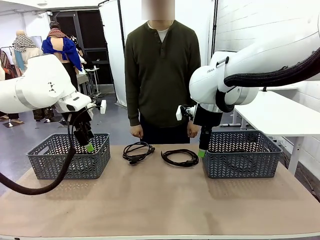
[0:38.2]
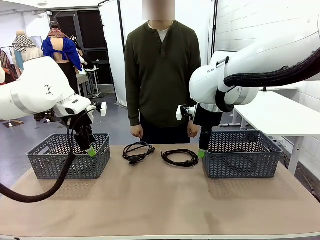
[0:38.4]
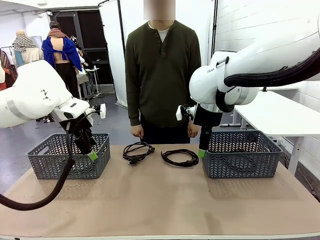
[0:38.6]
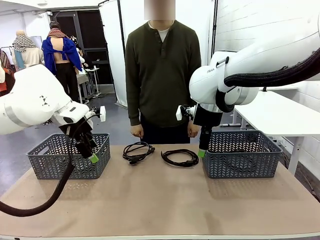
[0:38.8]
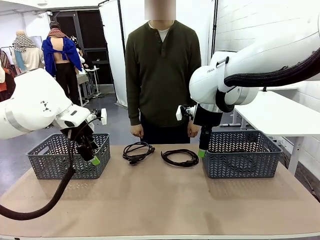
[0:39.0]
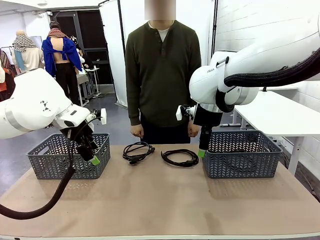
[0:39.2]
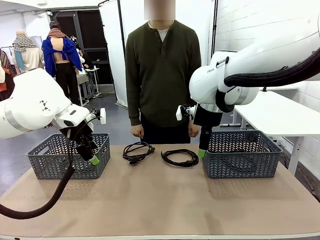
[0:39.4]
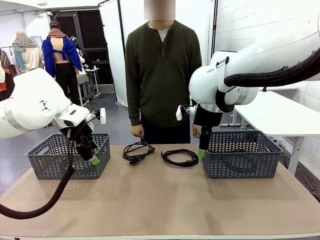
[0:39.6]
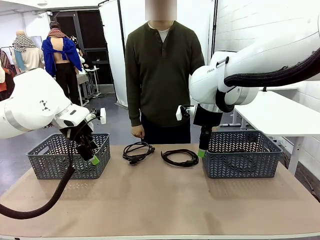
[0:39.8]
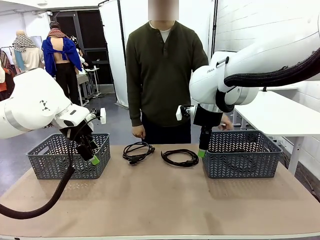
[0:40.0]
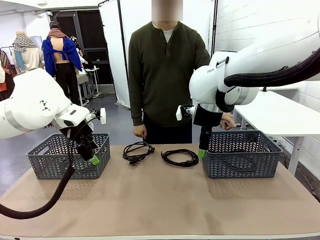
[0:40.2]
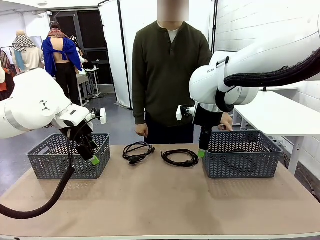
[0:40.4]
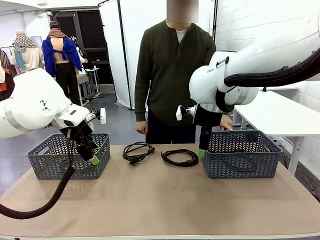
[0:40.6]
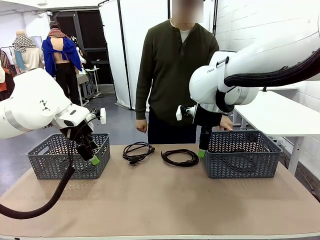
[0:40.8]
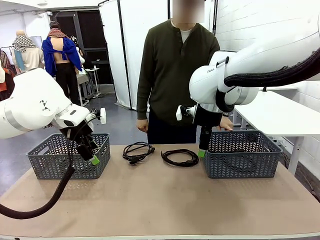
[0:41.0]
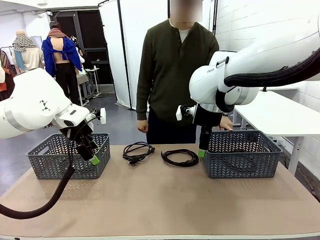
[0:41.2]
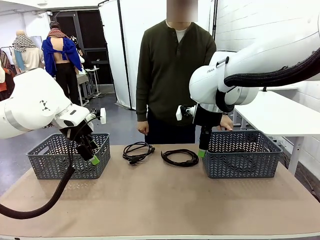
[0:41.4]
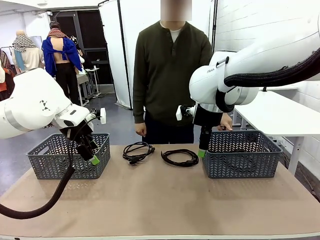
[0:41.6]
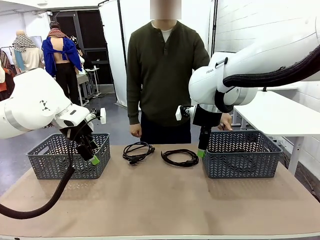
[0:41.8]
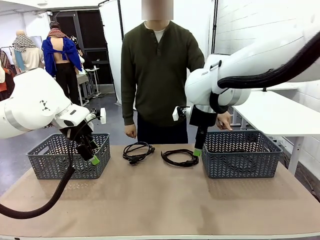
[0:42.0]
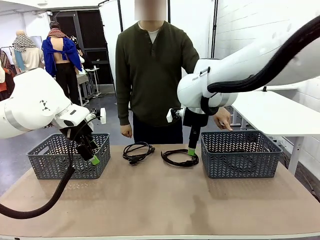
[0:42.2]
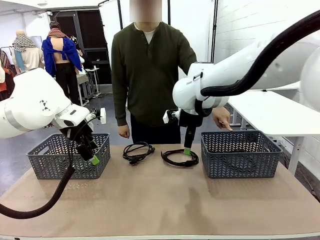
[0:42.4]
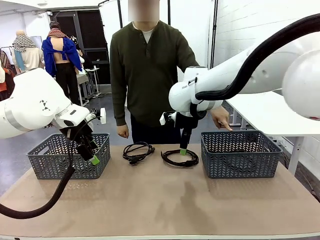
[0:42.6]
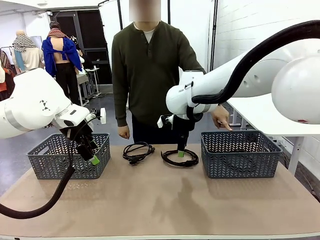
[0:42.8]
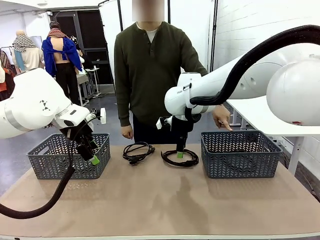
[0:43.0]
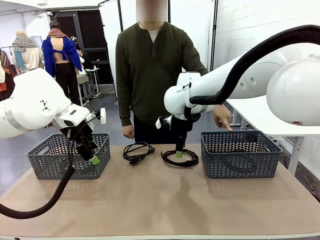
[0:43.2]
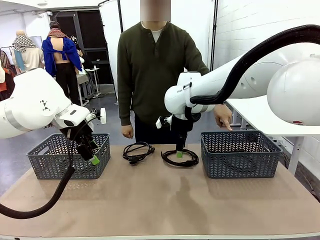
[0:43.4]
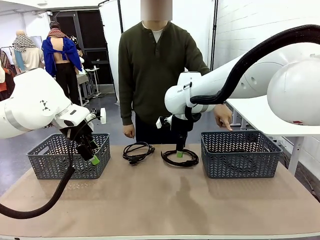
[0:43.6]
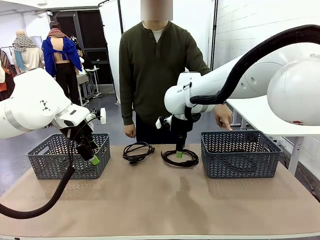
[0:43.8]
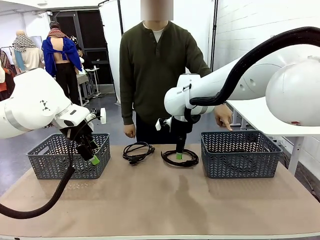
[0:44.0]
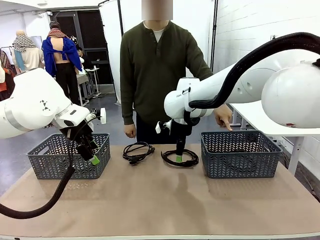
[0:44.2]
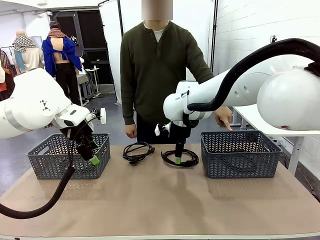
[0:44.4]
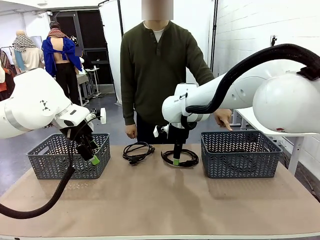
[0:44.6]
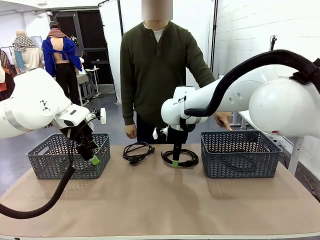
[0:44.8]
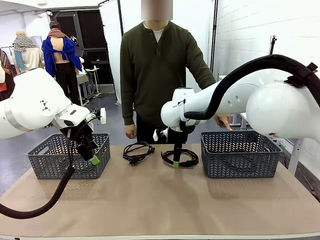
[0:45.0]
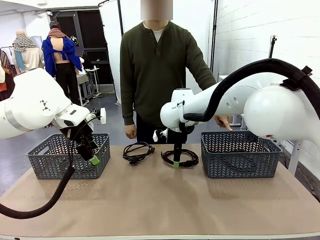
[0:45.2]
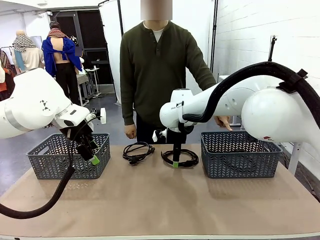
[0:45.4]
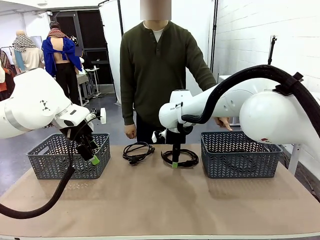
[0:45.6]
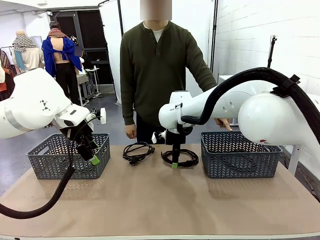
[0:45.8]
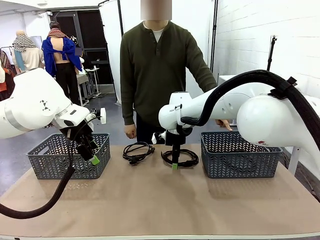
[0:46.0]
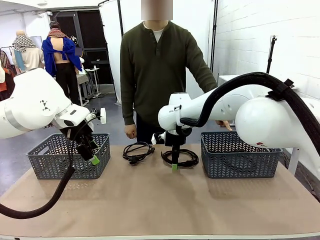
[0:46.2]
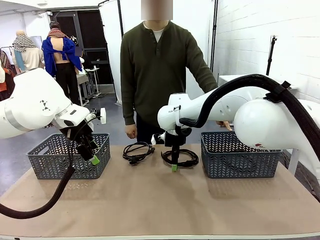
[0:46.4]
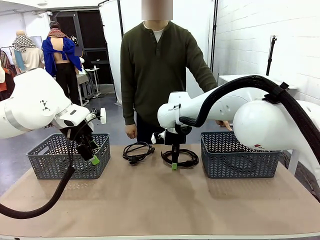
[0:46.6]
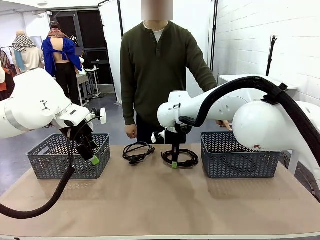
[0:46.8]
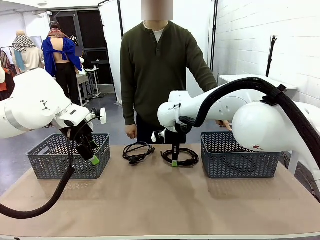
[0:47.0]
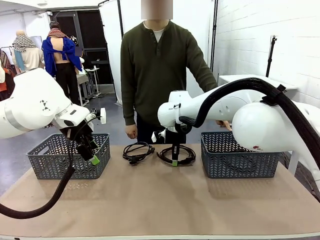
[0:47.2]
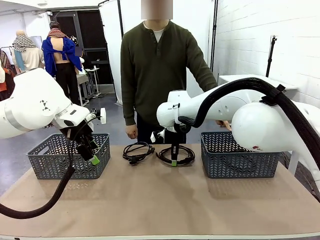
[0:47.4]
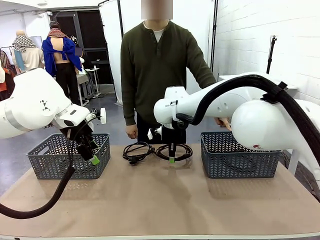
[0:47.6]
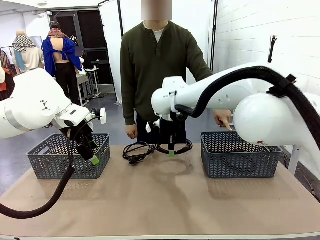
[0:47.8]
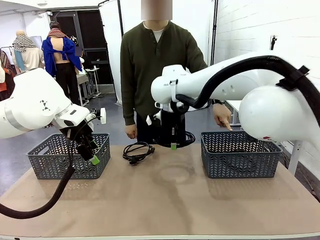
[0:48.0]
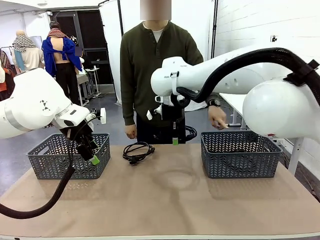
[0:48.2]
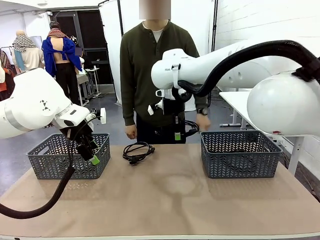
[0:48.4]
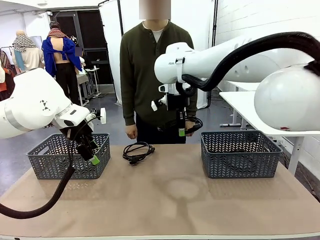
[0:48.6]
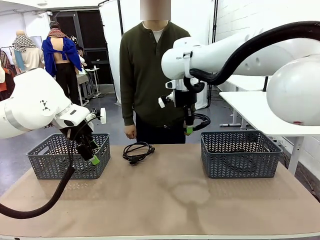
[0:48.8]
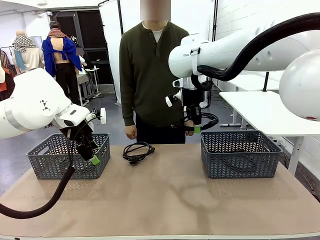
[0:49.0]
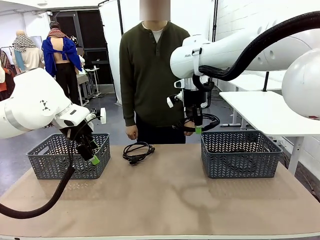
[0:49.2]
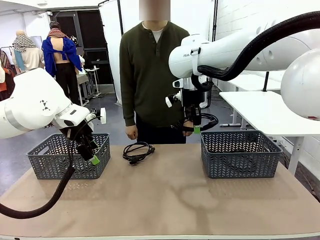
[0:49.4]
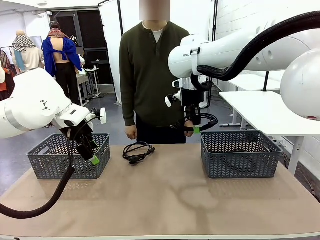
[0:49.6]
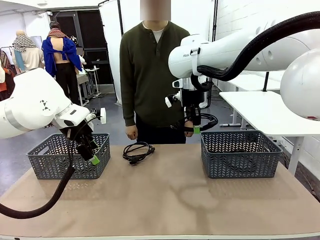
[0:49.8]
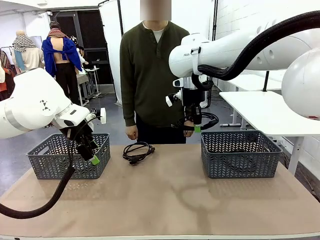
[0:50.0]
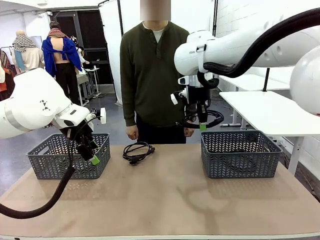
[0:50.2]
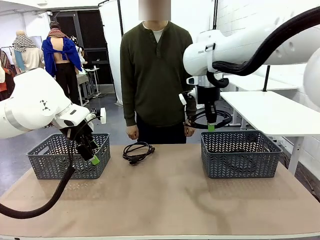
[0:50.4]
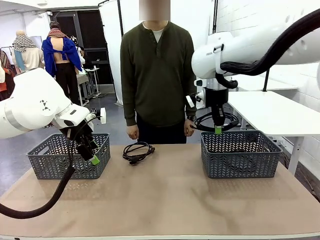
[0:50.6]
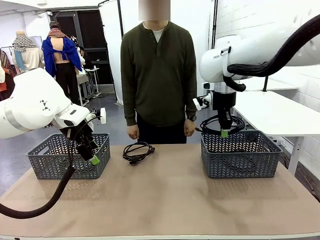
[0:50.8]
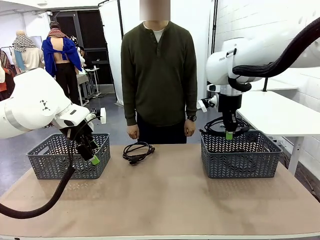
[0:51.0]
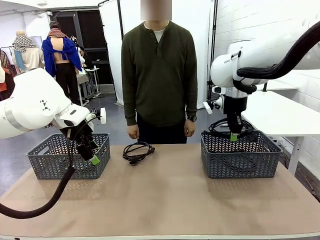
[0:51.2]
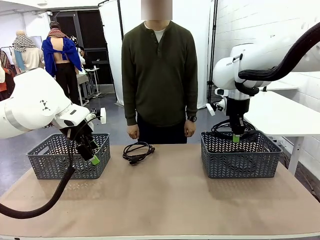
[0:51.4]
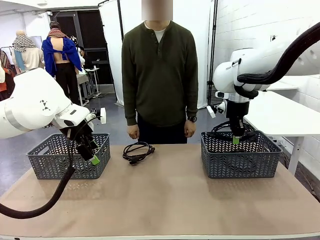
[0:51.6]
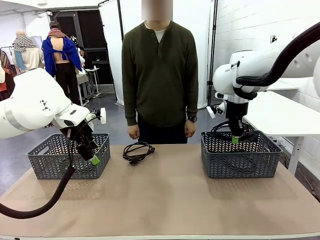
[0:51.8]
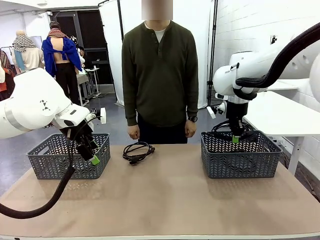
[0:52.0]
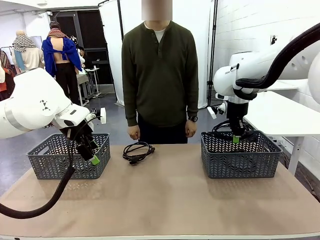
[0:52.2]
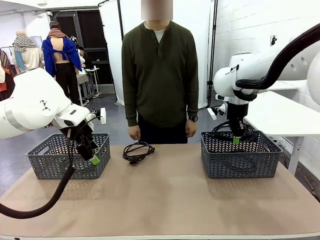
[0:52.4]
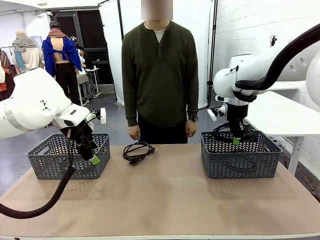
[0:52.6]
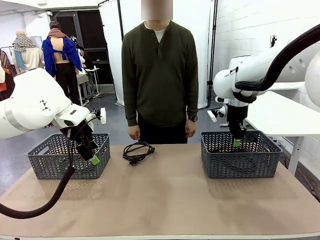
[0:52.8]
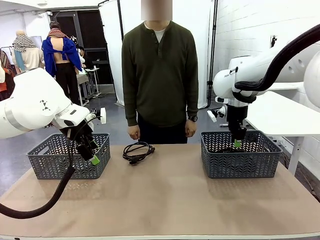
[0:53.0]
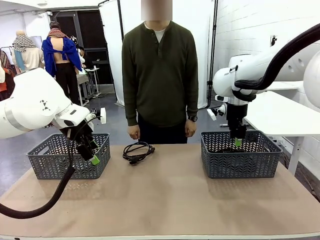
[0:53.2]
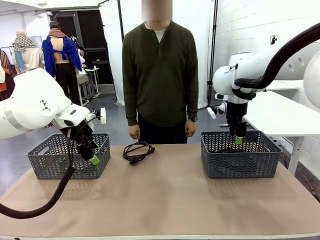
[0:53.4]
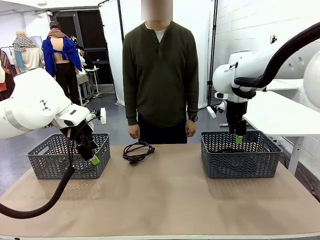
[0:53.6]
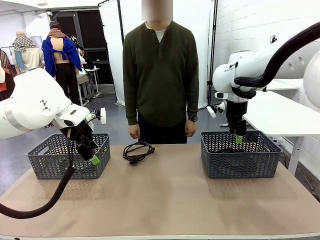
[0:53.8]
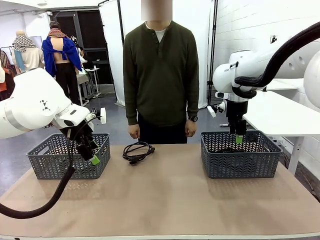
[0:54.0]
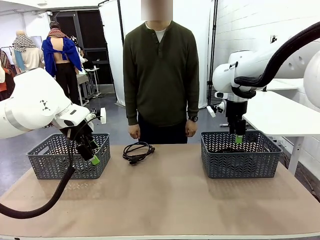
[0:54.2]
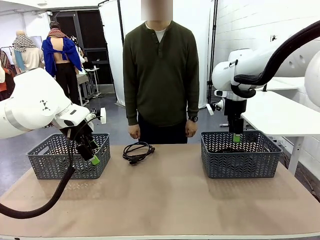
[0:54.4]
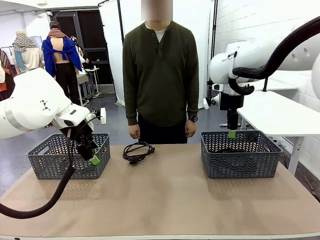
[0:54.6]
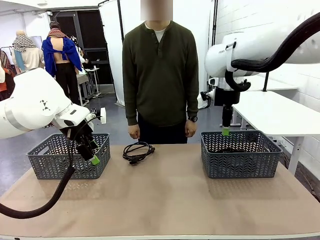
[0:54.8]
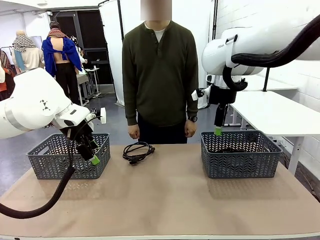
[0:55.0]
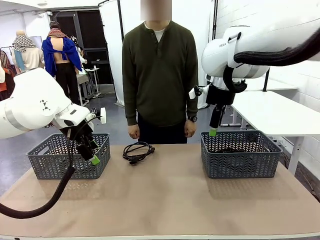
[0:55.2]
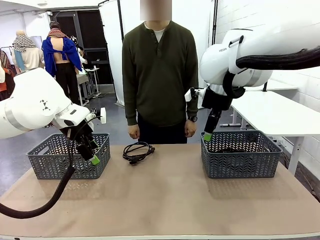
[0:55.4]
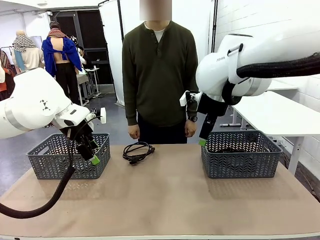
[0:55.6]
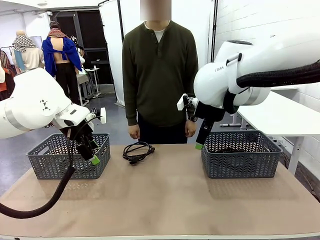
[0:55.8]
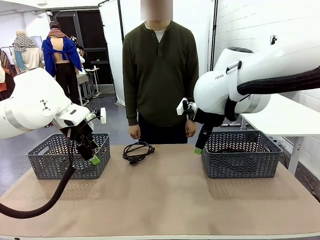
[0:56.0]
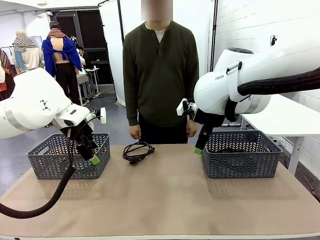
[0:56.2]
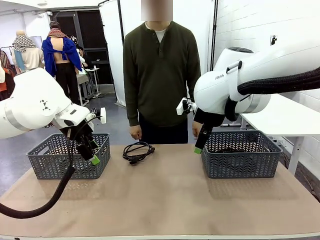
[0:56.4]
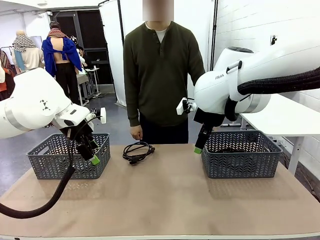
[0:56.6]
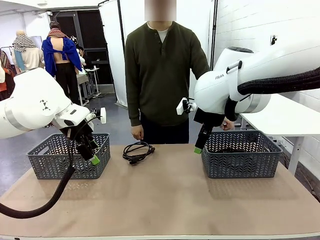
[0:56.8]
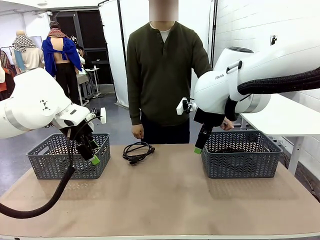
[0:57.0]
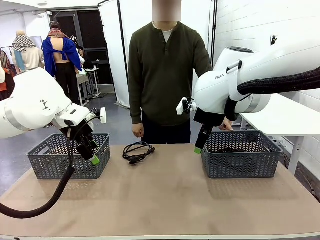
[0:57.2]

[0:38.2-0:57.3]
Task: Organize the cables according to human instructions.
Robot: Pick up a bundle of cables and place it in the basket indicated by the human.
